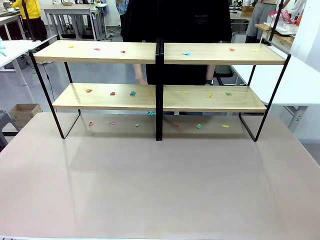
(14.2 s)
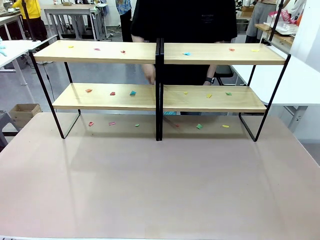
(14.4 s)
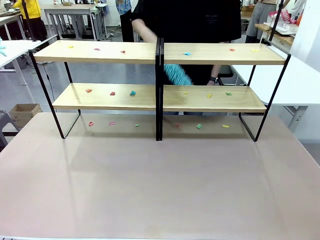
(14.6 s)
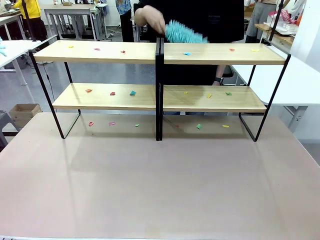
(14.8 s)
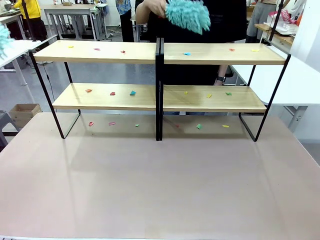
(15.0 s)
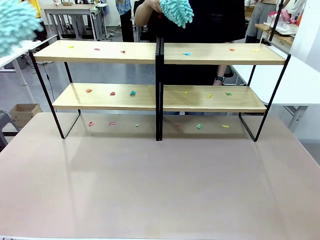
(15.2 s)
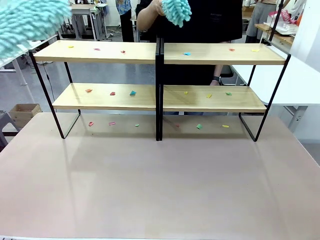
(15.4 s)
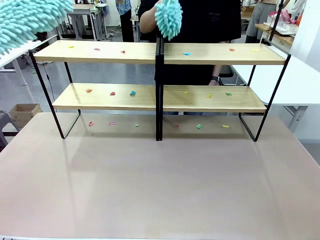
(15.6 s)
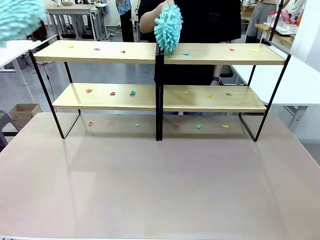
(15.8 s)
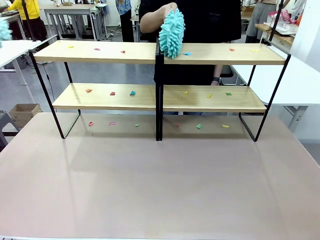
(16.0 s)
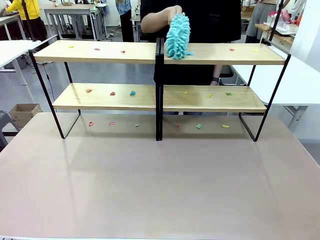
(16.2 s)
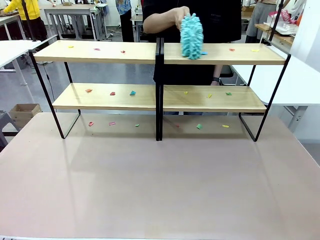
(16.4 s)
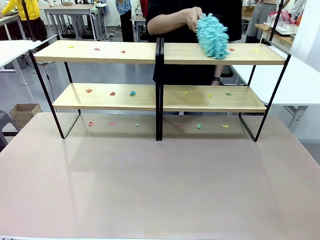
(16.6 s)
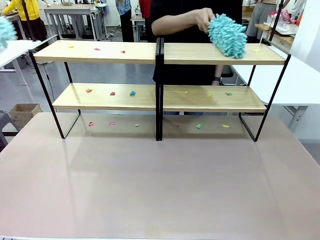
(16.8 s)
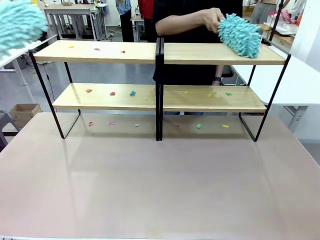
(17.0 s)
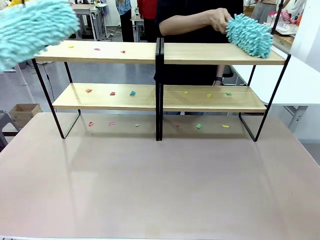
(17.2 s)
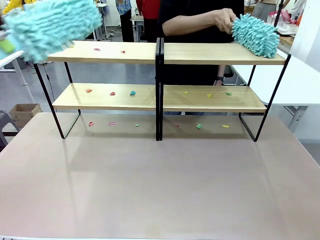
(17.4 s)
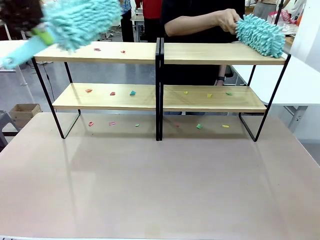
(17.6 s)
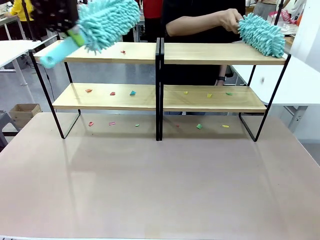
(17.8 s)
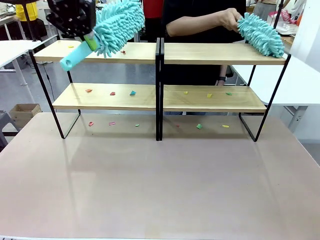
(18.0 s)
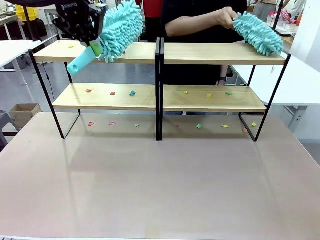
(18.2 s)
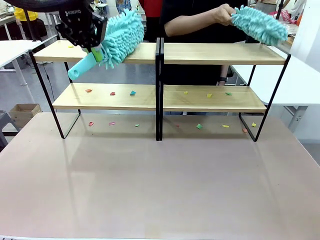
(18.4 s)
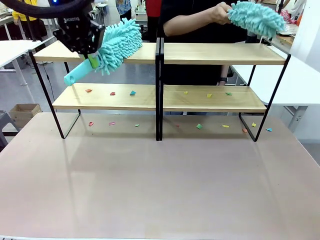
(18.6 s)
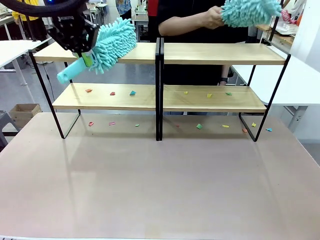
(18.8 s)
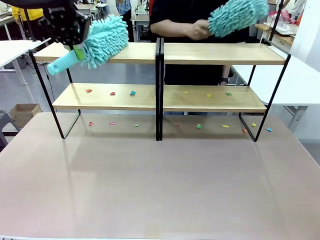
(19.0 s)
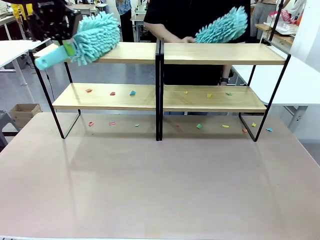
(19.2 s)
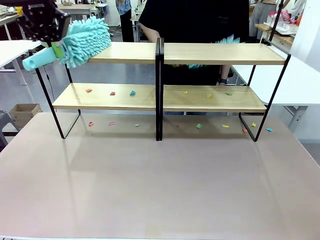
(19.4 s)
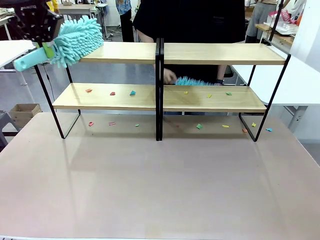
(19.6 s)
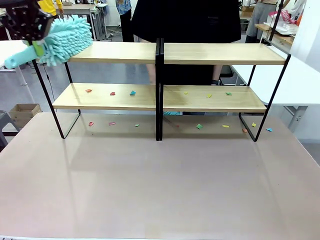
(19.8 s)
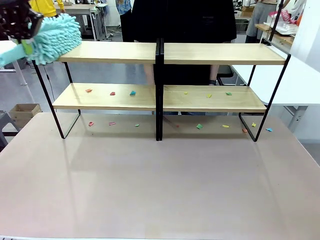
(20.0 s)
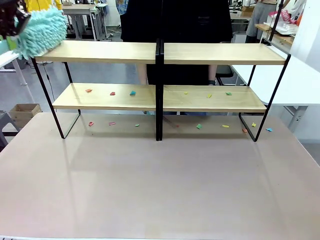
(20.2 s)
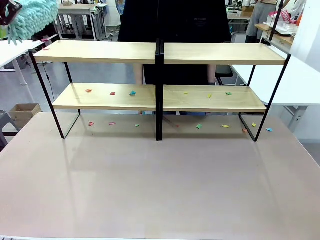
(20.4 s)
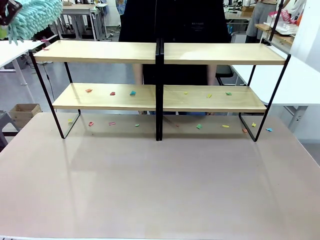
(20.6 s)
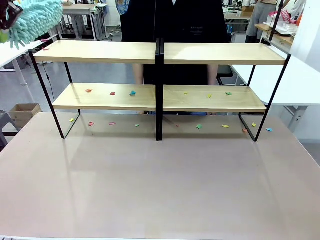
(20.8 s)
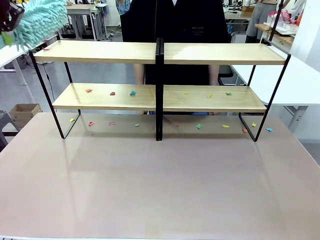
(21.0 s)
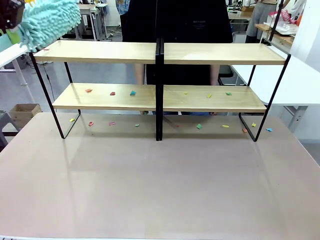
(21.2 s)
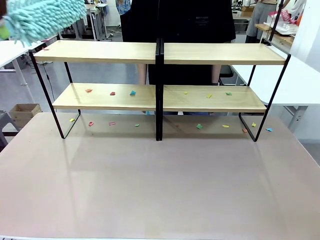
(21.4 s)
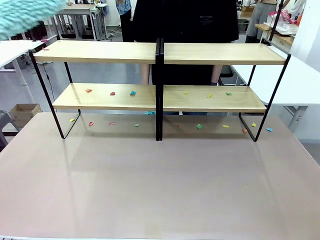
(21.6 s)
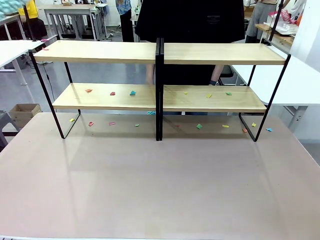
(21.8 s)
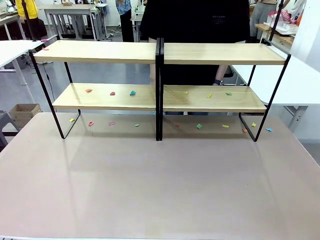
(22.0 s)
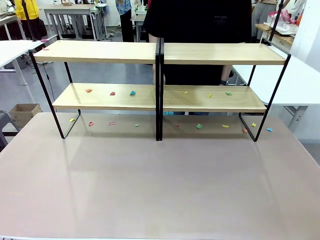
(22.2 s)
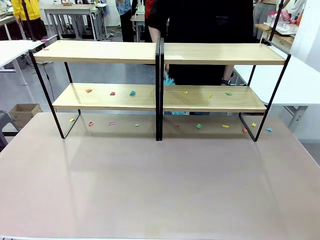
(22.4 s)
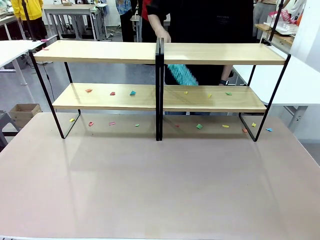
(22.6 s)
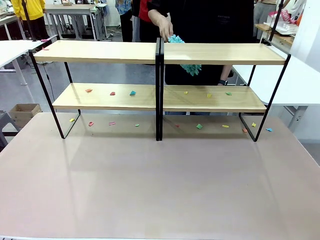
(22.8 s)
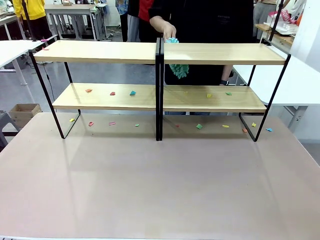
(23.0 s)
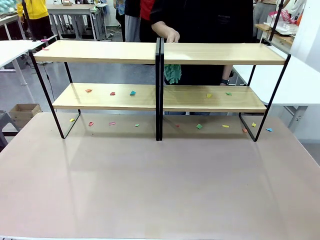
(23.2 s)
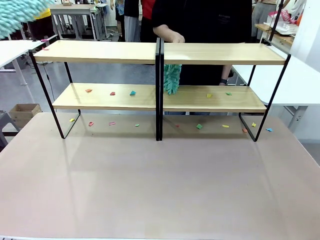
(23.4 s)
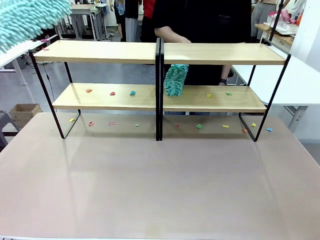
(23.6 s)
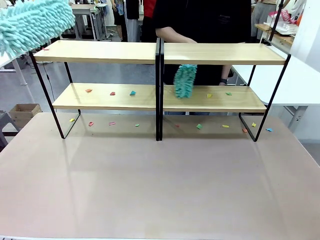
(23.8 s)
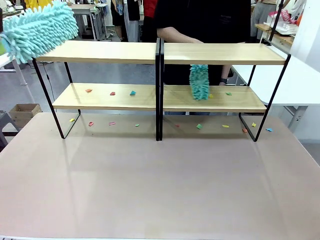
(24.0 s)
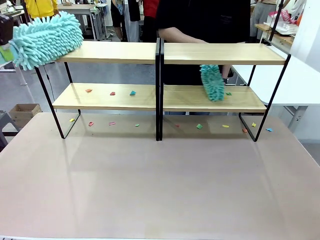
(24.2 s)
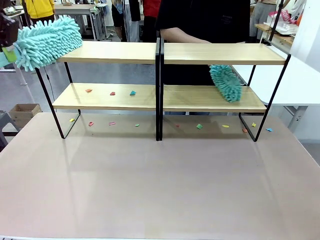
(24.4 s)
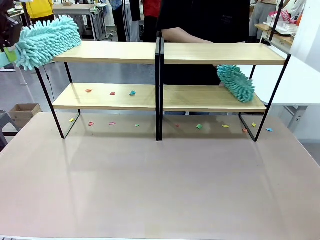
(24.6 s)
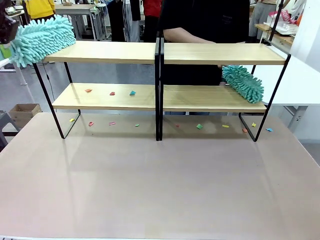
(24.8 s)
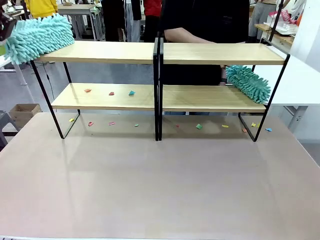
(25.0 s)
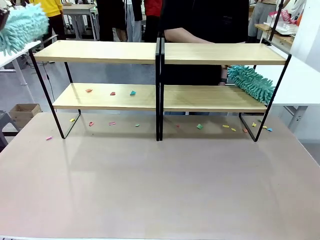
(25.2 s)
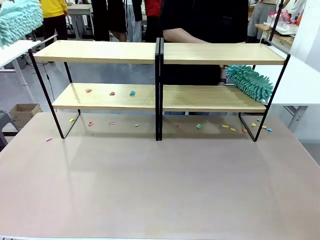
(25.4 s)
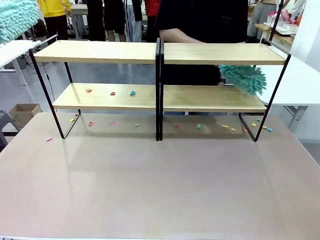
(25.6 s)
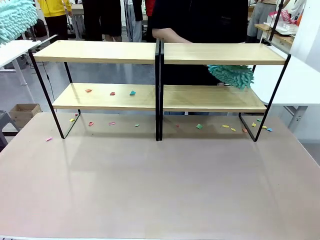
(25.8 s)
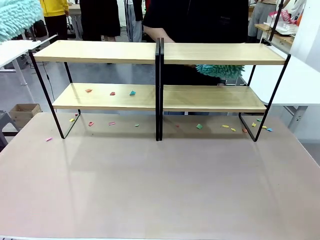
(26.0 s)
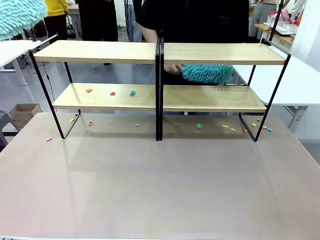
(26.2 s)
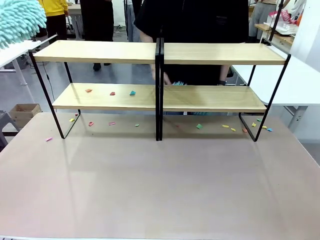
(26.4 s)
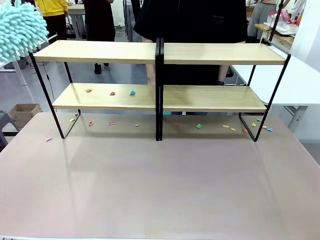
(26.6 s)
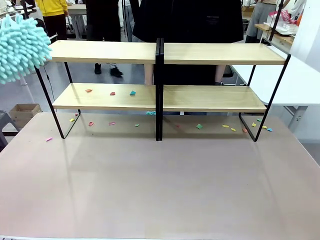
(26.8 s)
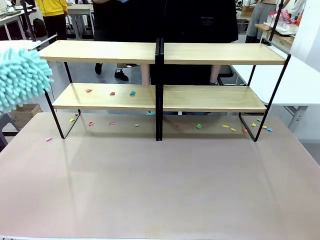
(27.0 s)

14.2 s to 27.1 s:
Task: Clean the shelves.
Robot: Clean a randomly selected level of the Shelf with the Duster.
